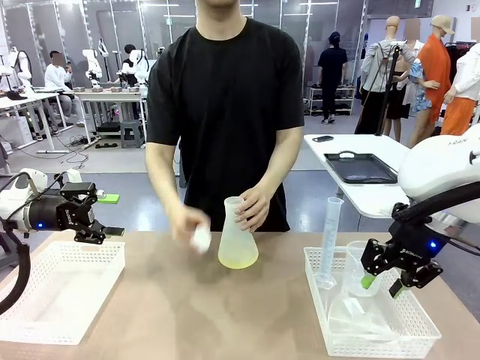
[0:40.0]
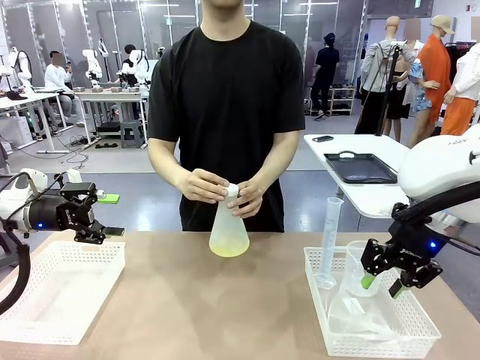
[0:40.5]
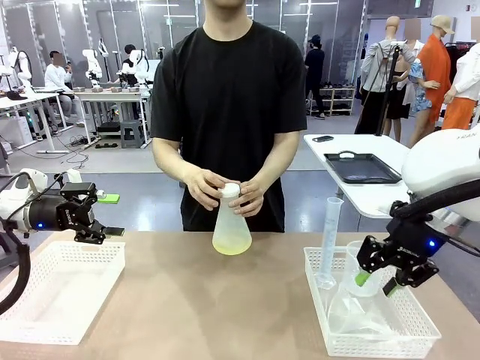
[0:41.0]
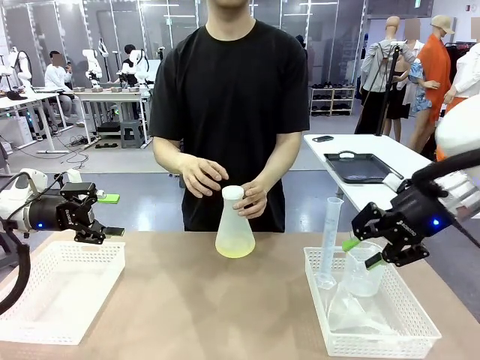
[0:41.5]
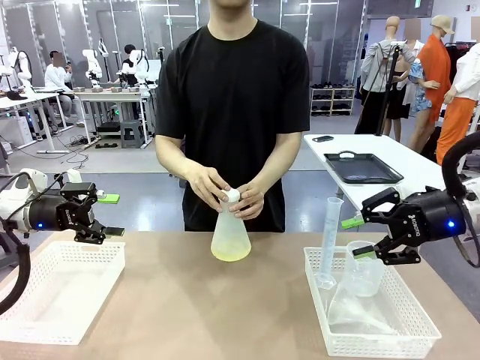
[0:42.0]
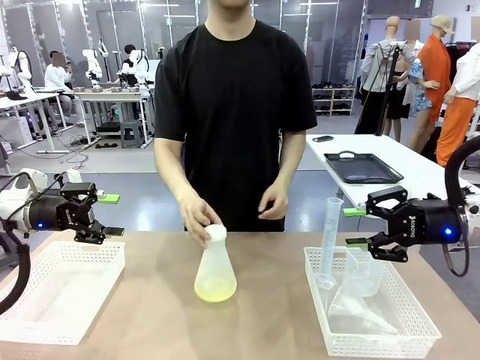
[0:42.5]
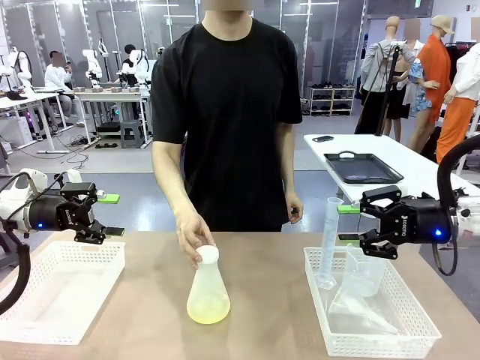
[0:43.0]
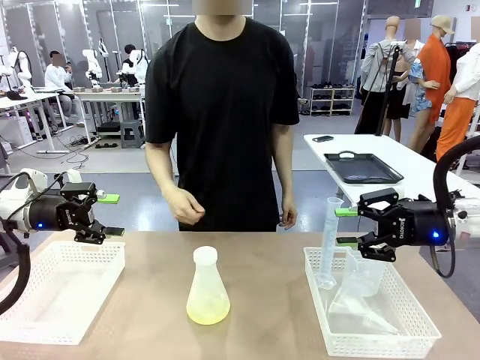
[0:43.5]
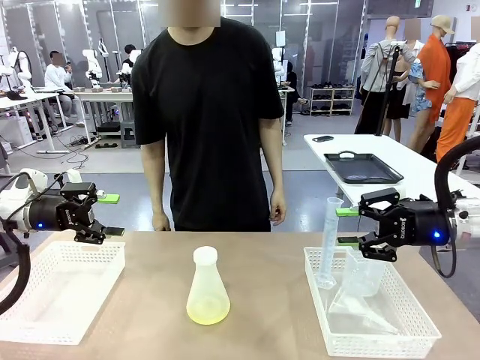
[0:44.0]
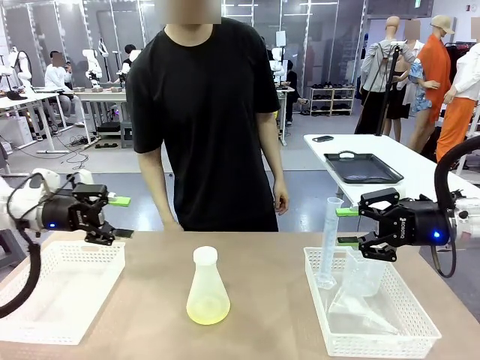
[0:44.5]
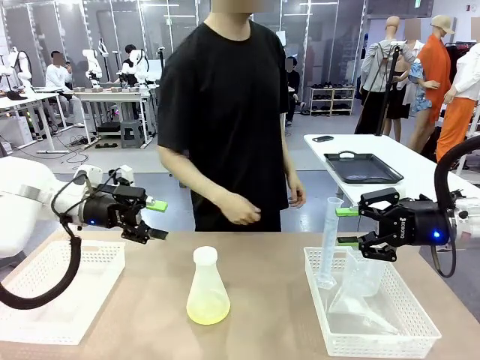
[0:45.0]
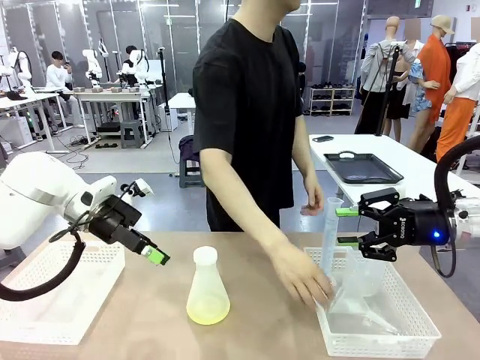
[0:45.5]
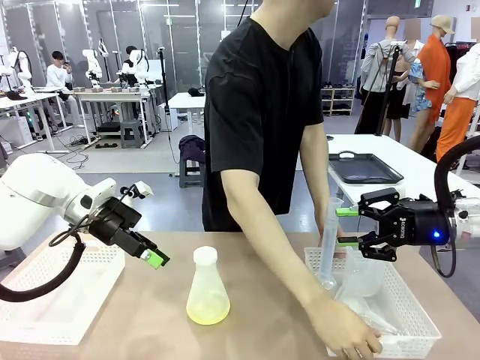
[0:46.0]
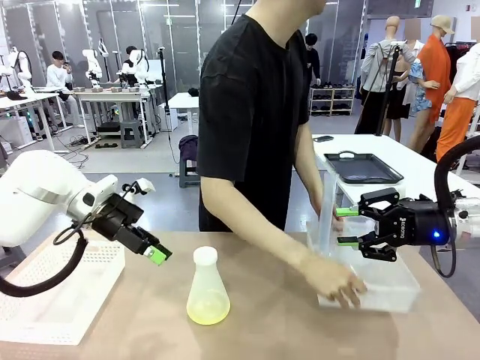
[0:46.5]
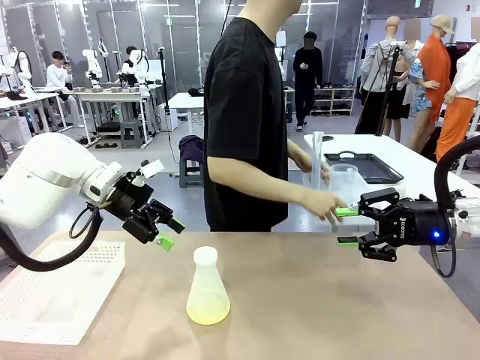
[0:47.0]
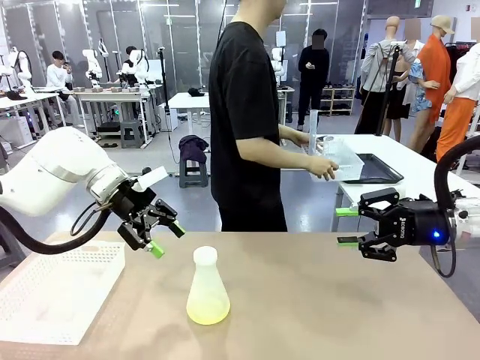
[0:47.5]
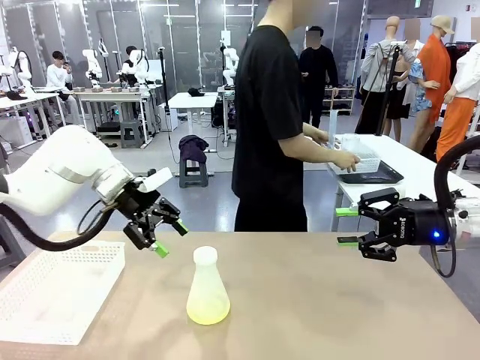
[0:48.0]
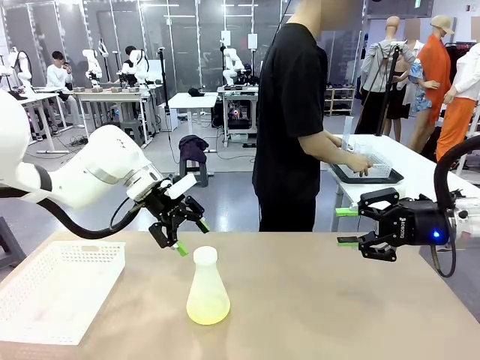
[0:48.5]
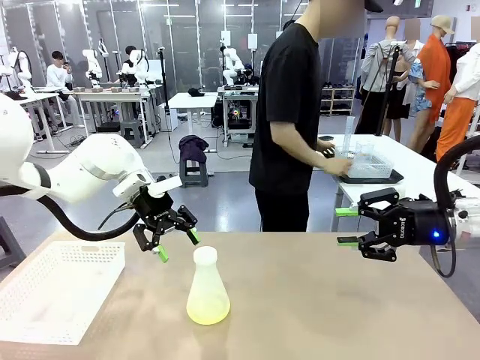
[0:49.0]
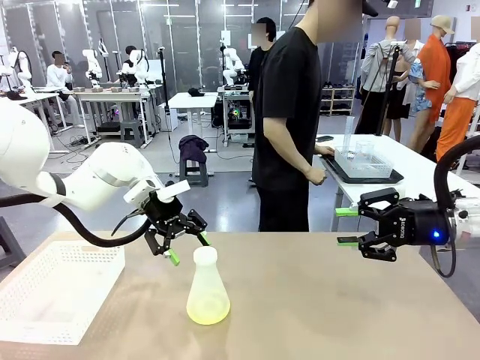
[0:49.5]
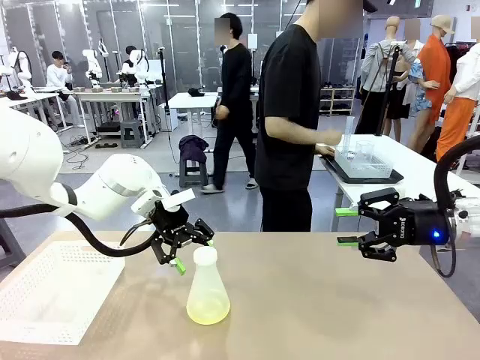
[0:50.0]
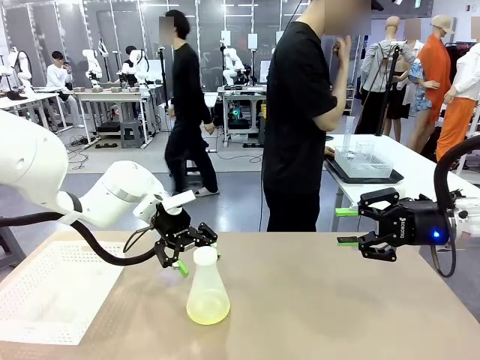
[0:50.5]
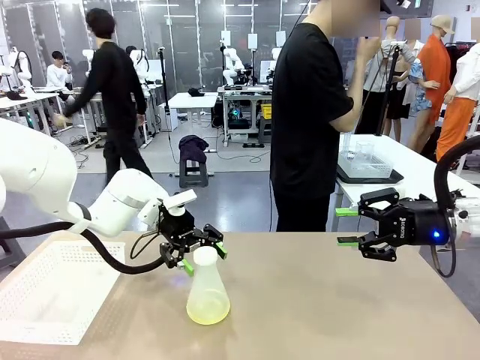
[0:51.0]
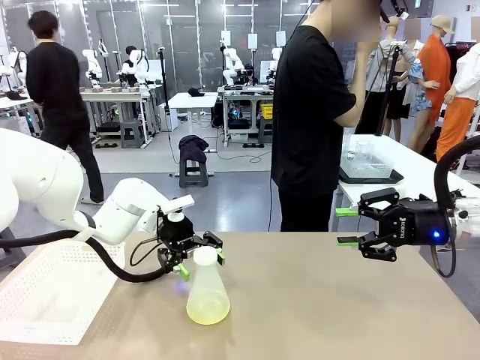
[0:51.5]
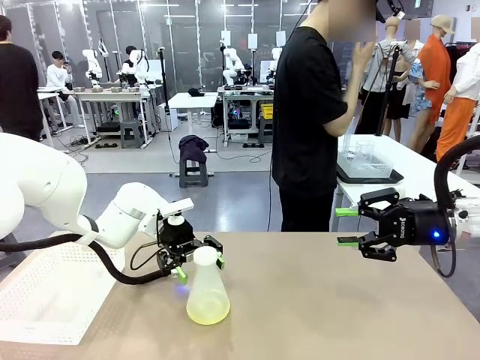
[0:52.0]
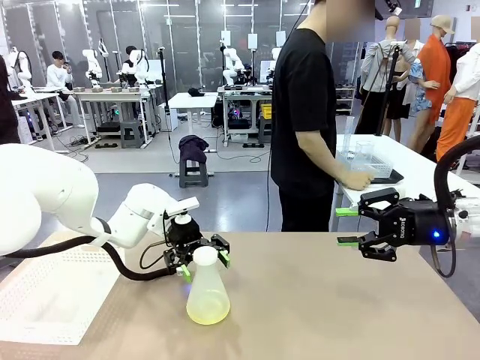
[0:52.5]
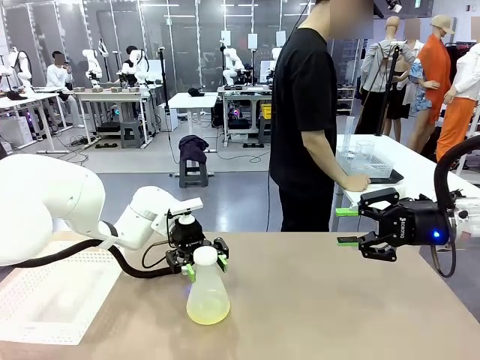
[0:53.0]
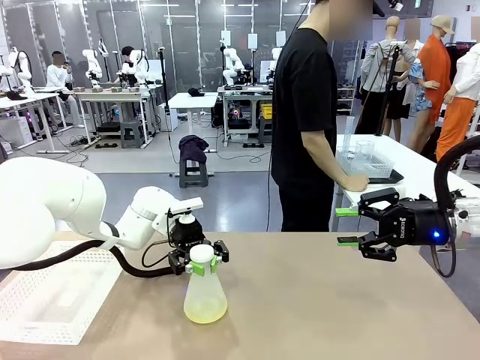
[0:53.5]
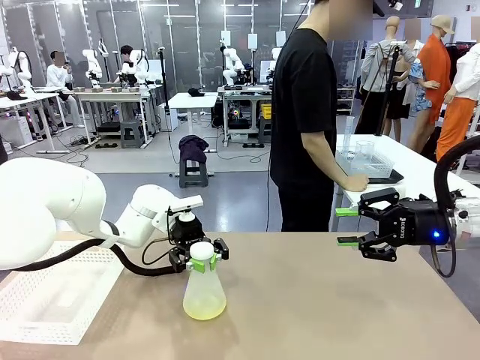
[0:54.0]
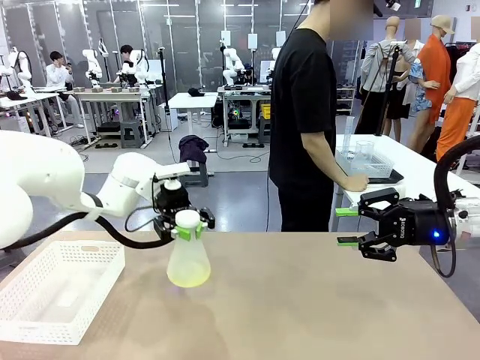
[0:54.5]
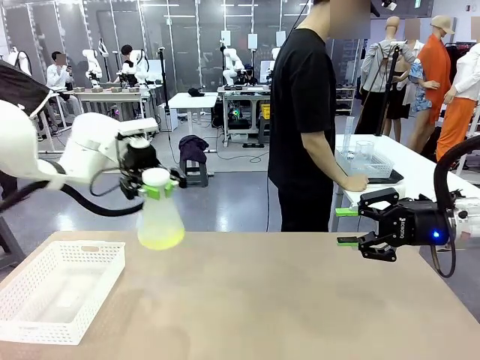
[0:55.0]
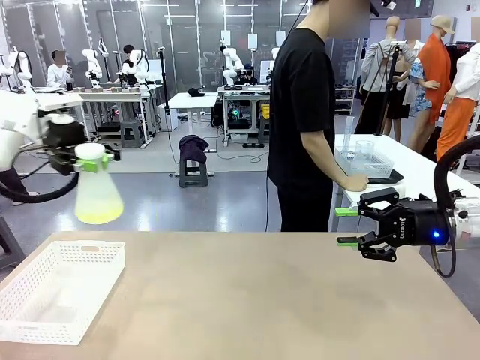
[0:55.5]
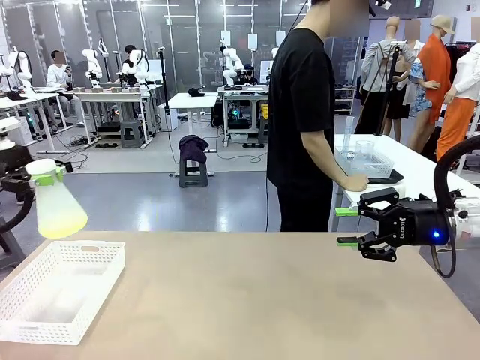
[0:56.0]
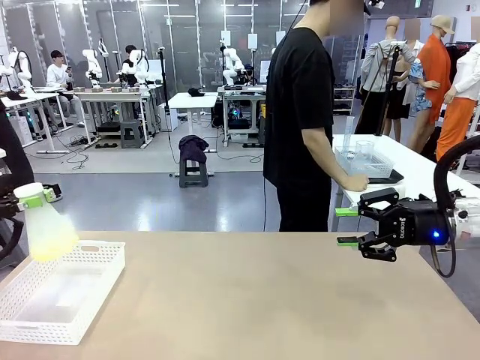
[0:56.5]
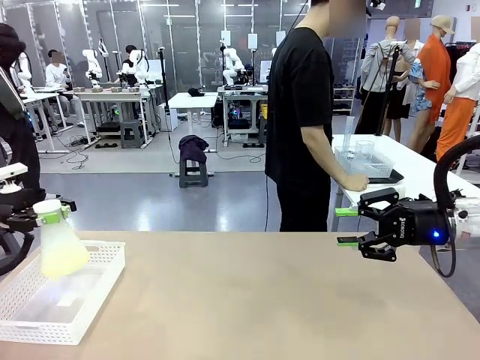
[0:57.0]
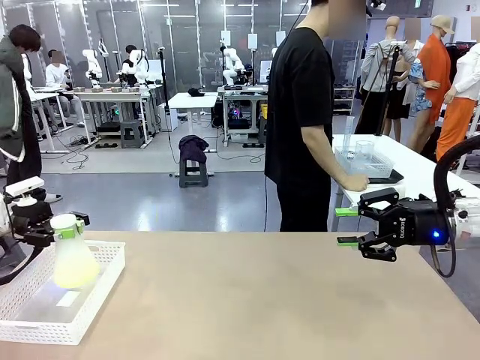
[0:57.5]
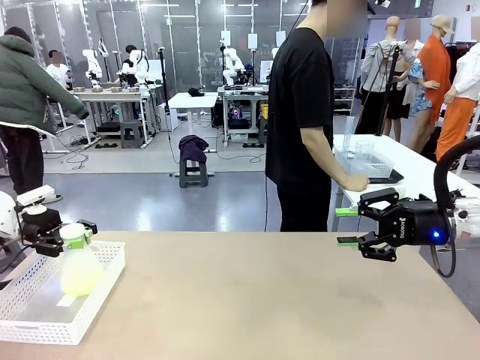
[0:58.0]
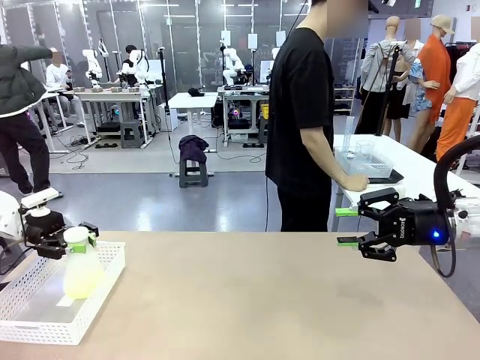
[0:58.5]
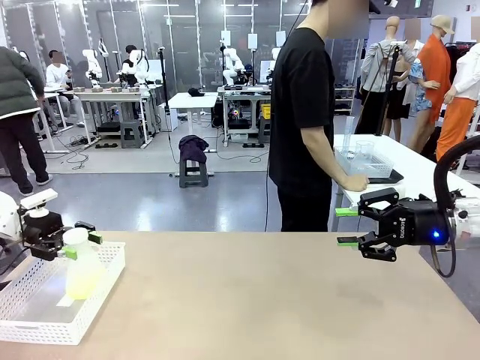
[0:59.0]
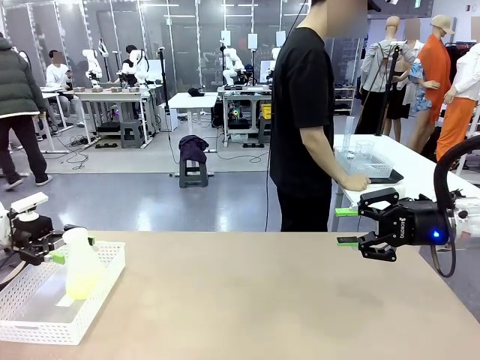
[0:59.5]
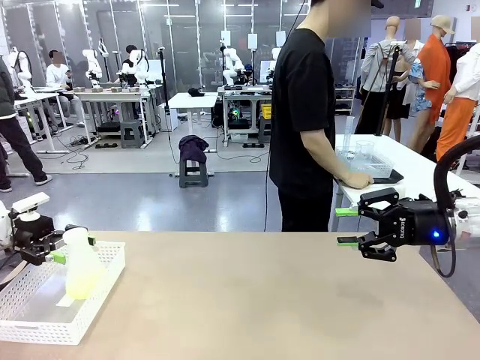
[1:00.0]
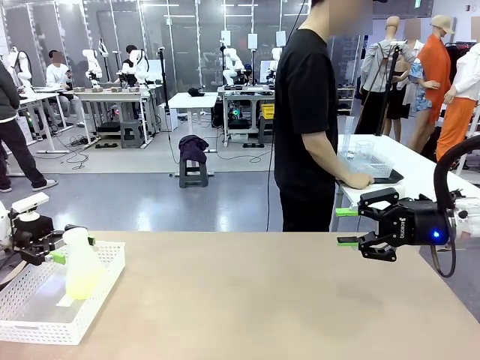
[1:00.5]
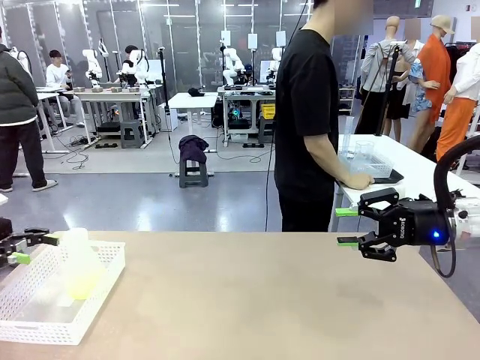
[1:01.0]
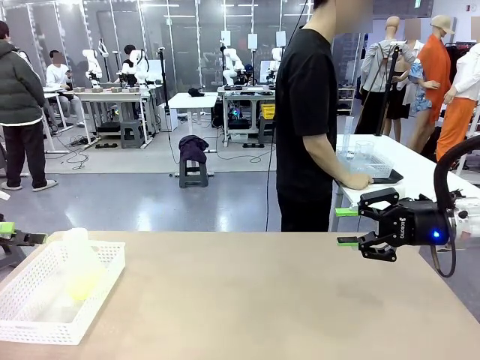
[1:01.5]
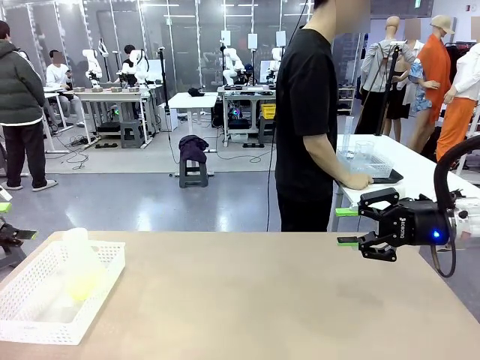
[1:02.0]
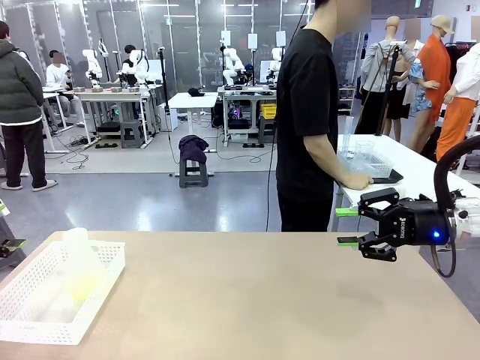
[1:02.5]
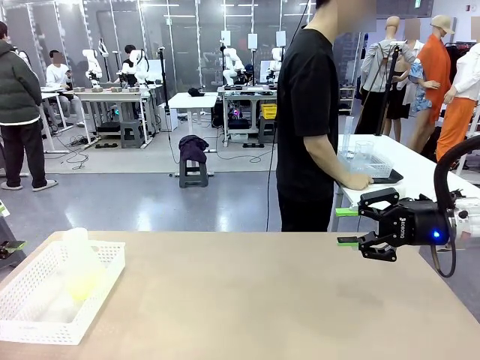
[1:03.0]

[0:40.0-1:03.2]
Task: Prepare the solutions needed for the experiment.
Robot: When the human places the Big flask in the center of the table, pick up the Big flask and place it in the left Organizing basket.
Person: Pick up the organizing basket on the left side of the robot table and place it on the left side of the human table.
